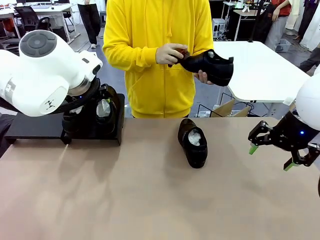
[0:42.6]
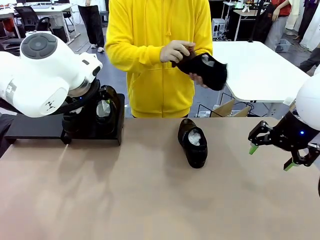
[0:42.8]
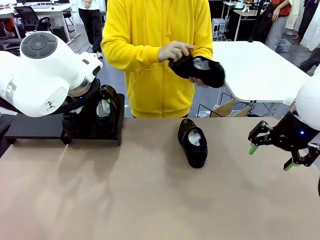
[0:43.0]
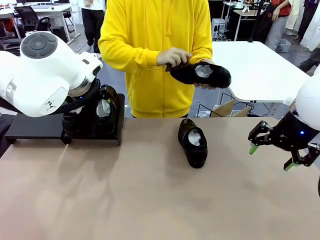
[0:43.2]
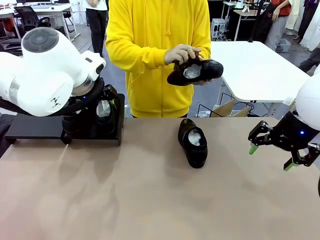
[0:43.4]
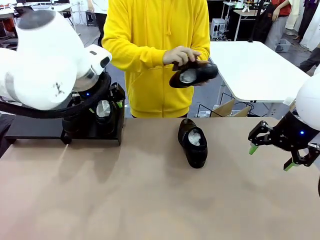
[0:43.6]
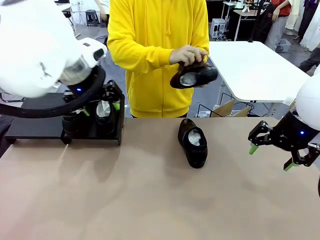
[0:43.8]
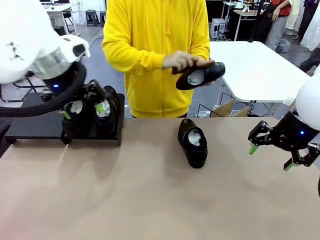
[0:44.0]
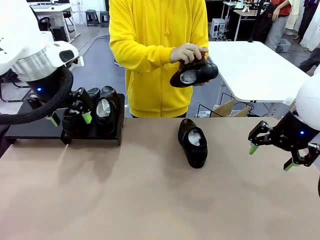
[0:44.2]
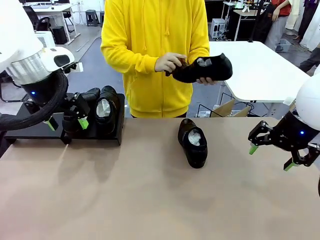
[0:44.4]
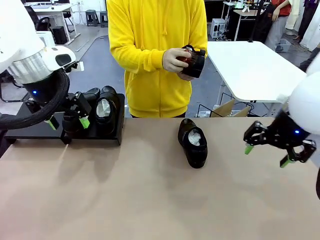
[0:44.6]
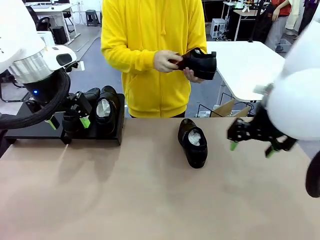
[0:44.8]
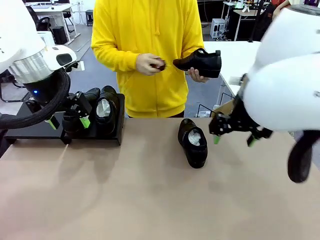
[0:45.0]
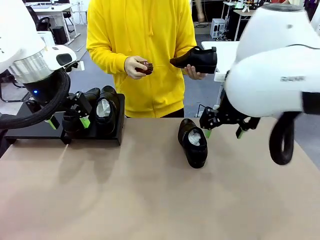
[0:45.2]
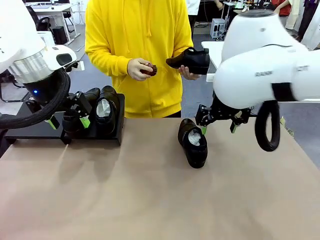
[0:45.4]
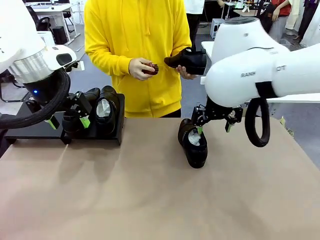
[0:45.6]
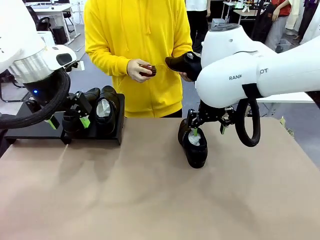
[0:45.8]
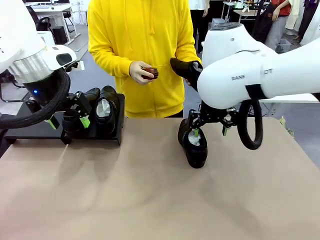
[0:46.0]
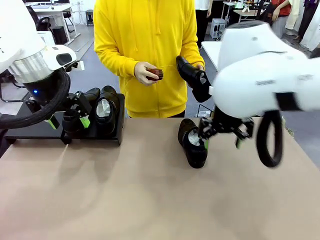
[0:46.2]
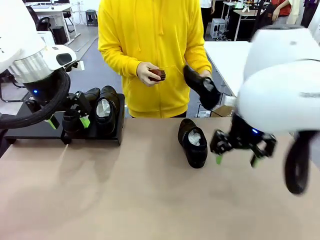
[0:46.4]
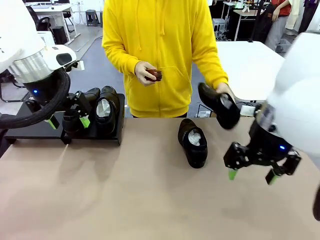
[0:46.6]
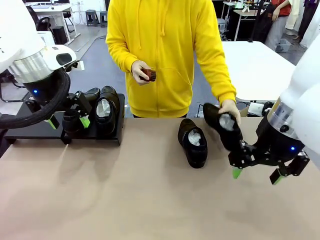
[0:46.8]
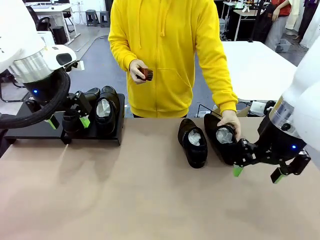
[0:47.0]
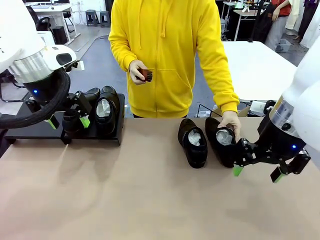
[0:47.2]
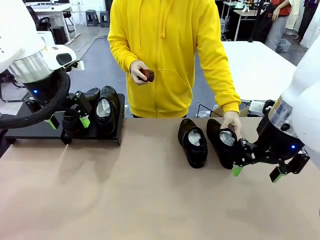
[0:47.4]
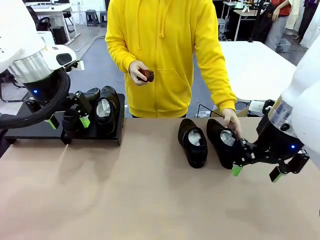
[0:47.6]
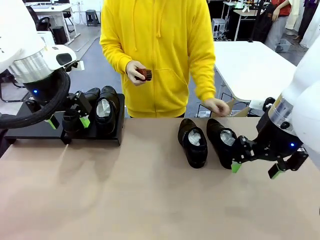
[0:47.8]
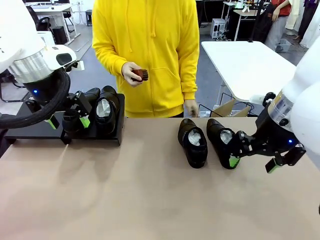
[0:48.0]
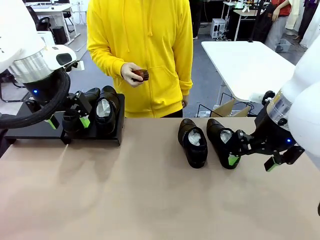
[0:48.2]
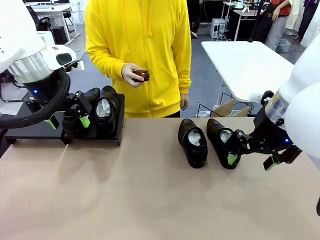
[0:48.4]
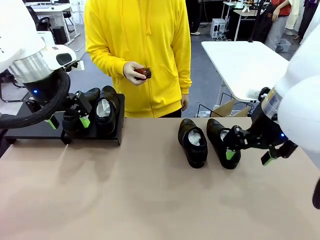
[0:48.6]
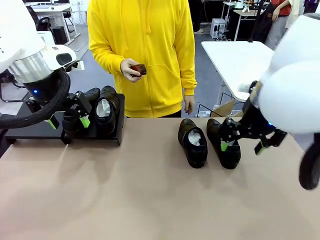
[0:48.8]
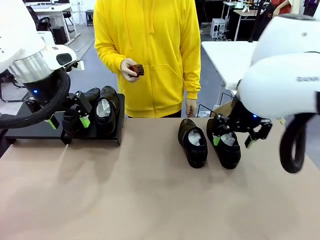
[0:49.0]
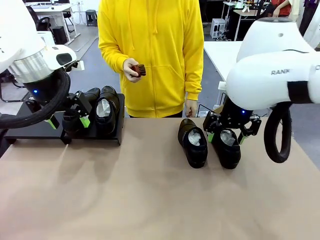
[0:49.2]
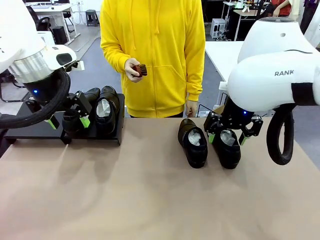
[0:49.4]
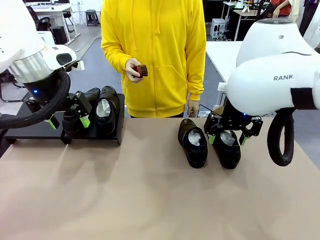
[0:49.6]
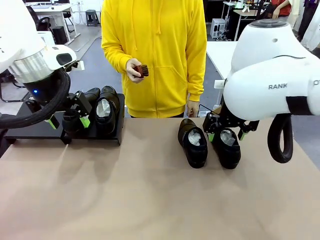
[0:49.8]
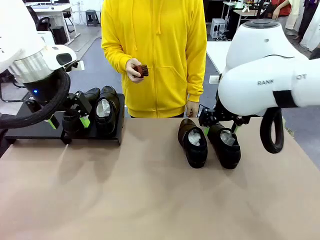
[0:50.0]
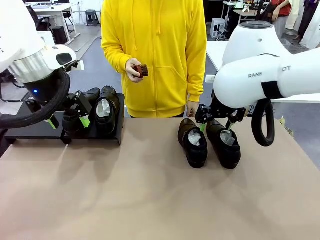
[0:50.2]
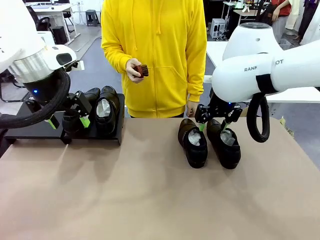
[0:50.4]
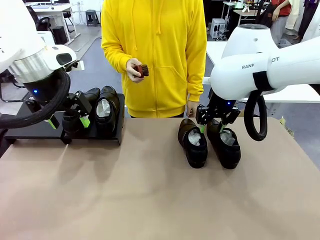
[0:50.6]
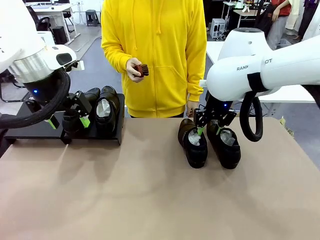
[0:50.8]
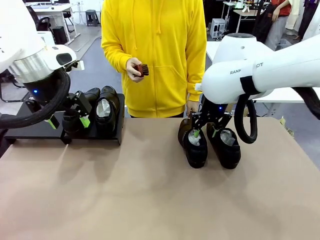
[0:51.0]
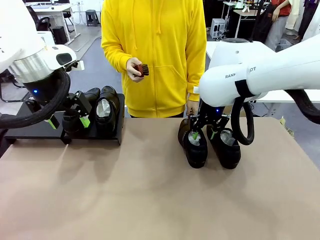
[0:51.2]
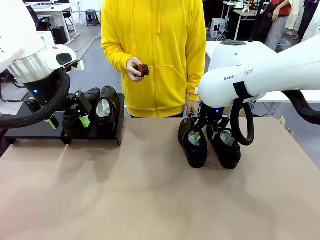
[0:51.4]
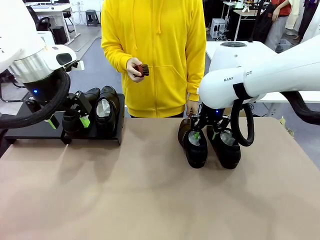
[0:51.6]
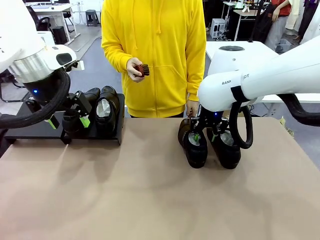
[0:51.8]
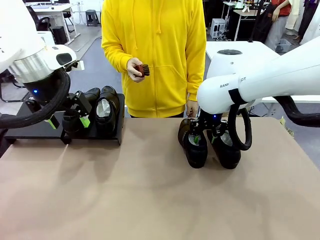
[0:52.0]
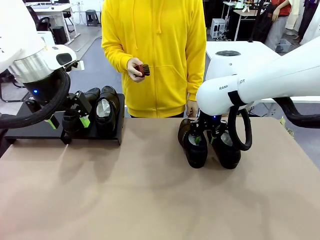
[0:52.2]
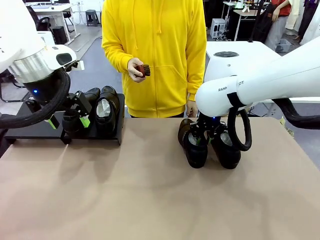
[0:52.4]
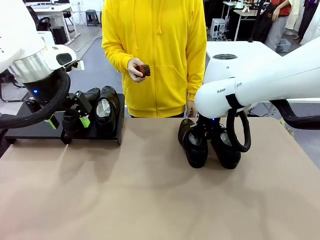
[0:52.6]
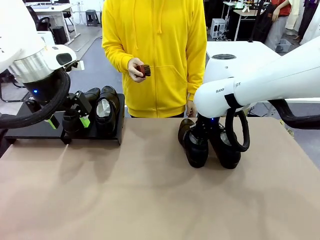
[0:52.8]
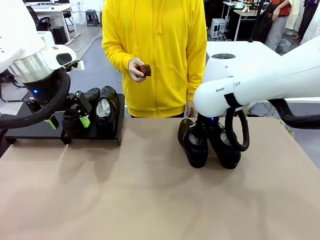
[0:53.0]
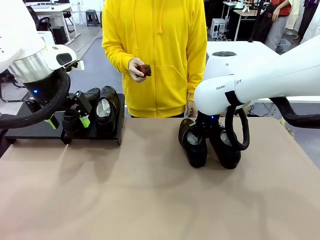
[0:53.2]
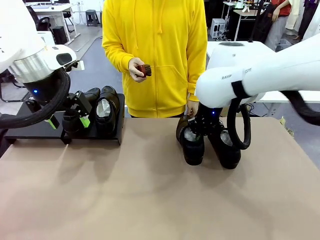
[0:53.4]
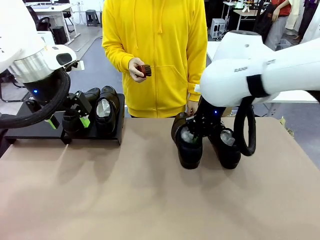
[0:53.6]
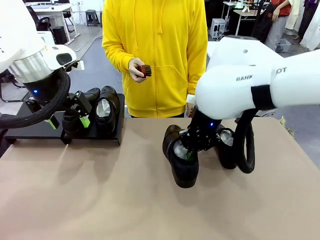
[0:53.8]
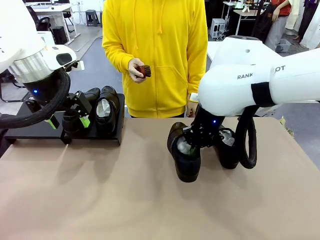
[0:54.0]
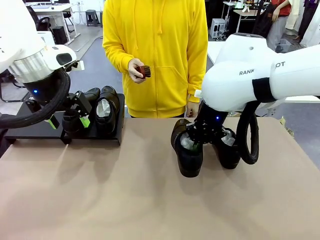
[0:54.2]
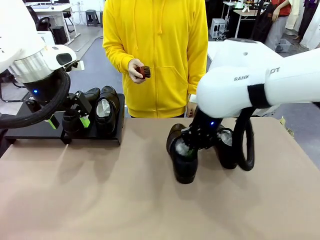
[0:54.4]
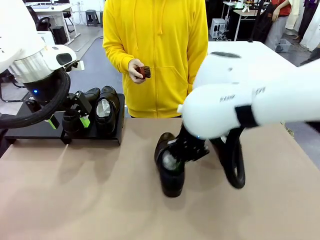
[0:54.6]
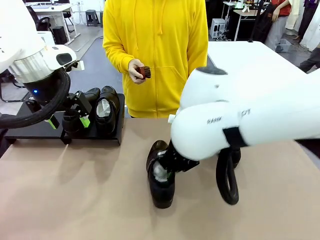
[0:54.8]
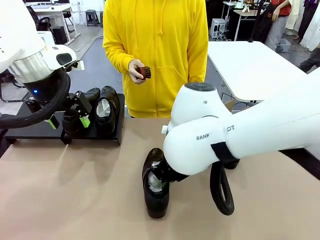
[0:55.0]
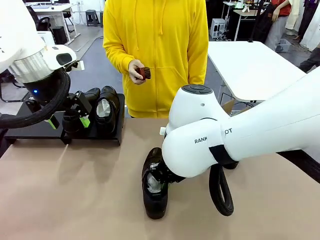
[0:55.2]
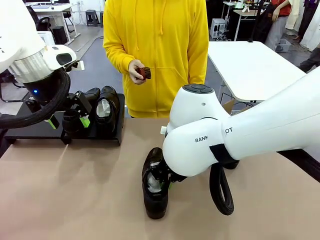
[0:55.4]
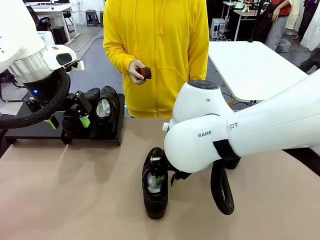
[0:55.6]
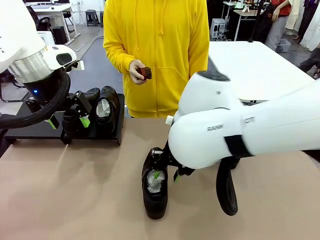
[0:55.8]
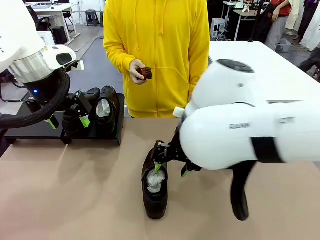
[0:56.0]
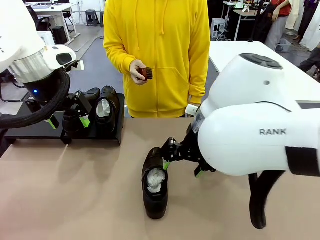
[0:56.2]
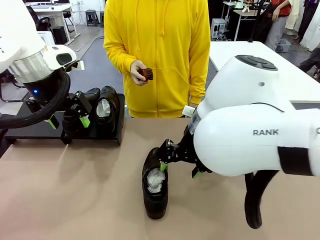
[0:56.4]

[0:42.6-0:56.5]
Task: Organize the shoes by placing them on the stand.
Robot: Pick up one Shoe and place it in the middle of the table.

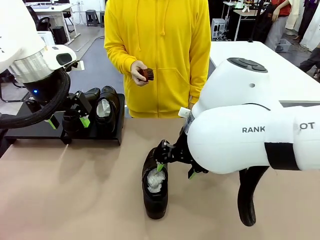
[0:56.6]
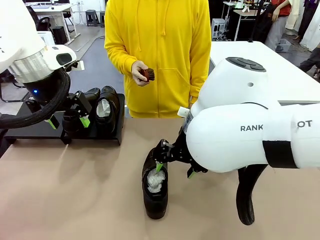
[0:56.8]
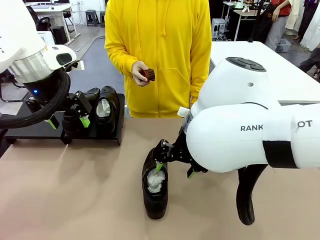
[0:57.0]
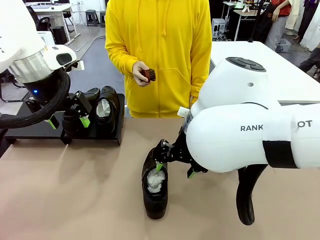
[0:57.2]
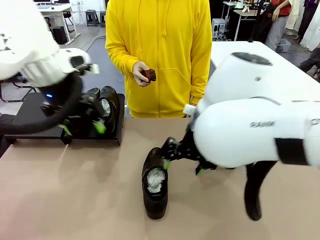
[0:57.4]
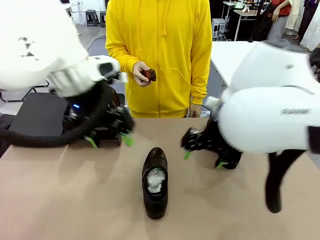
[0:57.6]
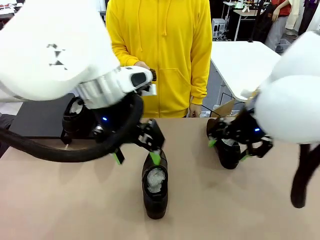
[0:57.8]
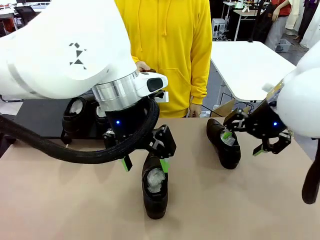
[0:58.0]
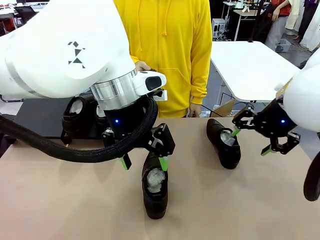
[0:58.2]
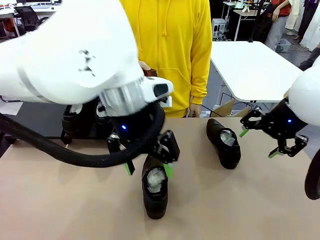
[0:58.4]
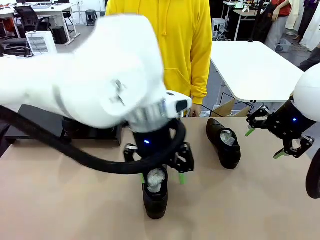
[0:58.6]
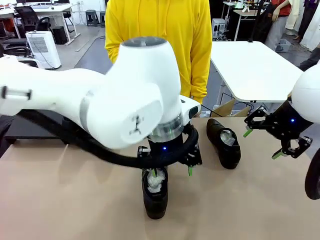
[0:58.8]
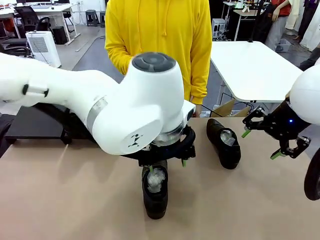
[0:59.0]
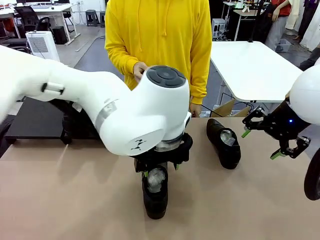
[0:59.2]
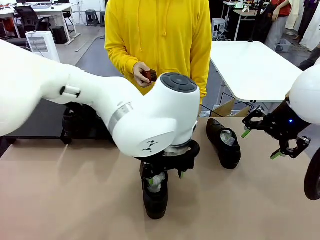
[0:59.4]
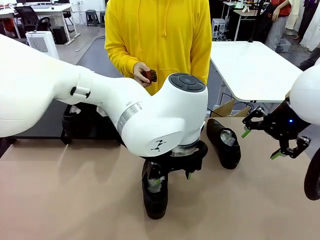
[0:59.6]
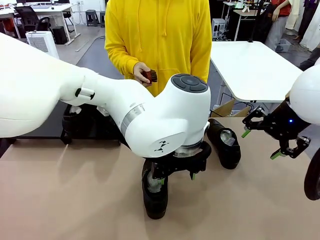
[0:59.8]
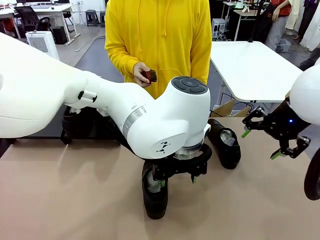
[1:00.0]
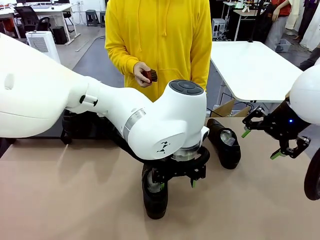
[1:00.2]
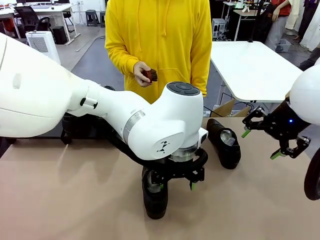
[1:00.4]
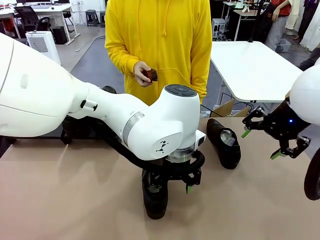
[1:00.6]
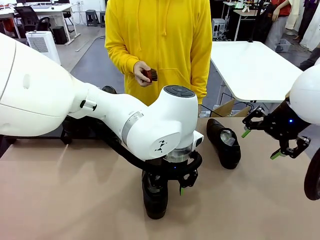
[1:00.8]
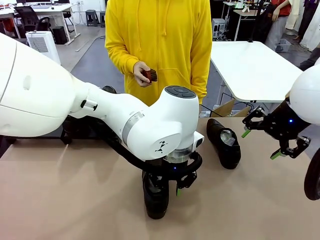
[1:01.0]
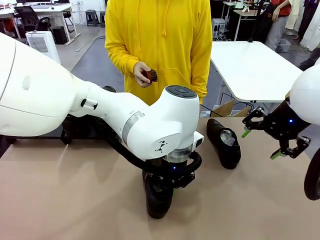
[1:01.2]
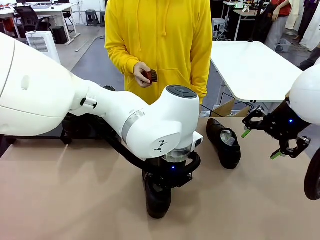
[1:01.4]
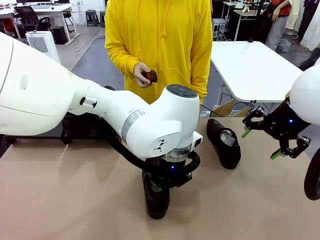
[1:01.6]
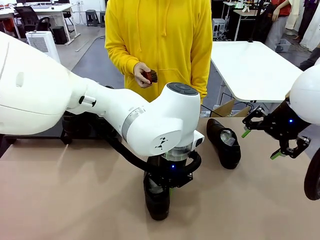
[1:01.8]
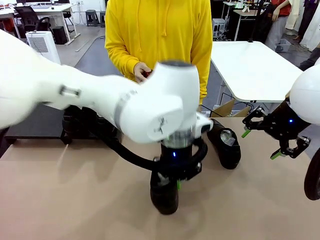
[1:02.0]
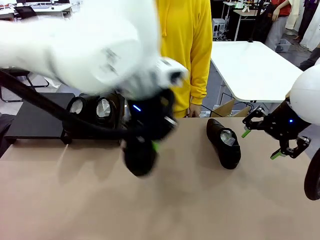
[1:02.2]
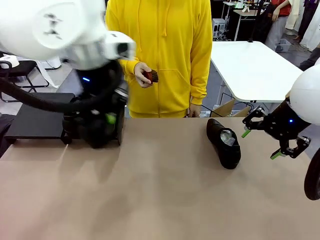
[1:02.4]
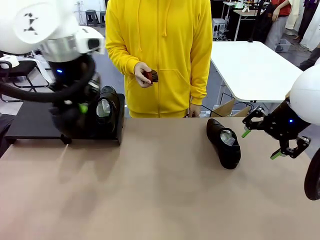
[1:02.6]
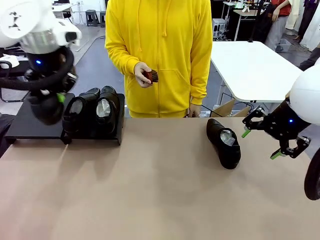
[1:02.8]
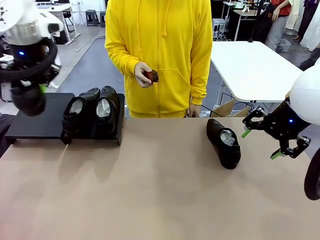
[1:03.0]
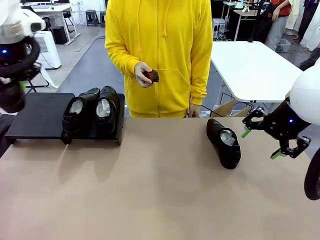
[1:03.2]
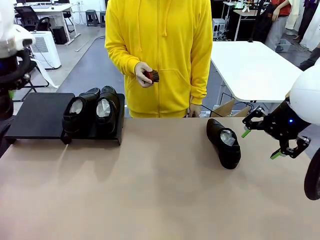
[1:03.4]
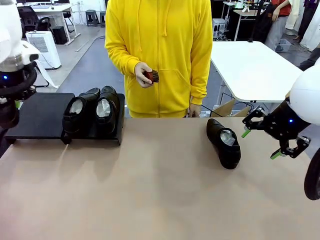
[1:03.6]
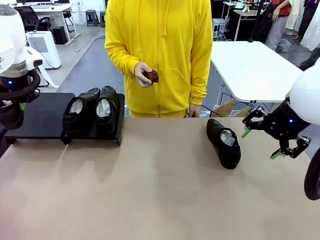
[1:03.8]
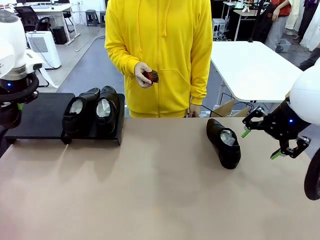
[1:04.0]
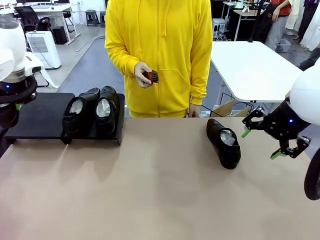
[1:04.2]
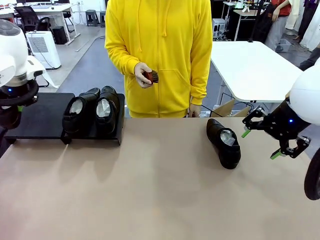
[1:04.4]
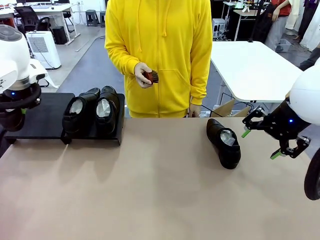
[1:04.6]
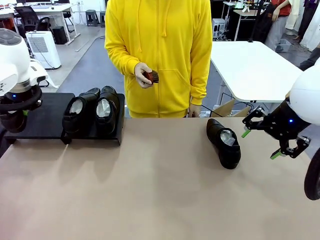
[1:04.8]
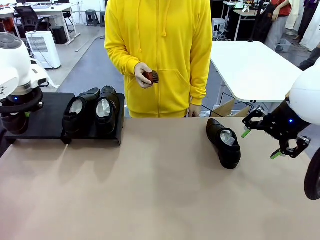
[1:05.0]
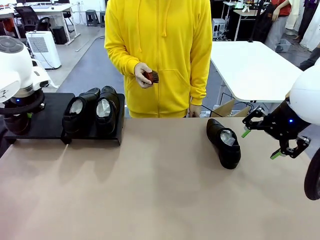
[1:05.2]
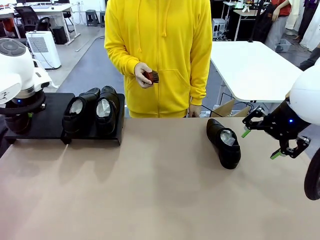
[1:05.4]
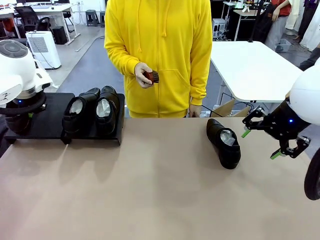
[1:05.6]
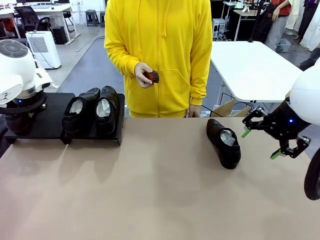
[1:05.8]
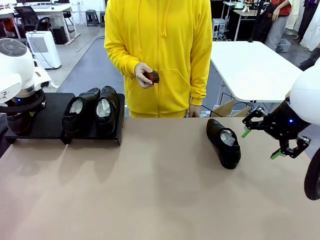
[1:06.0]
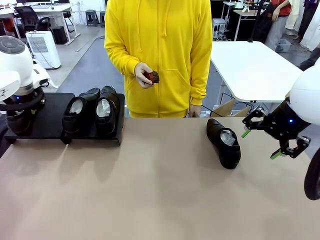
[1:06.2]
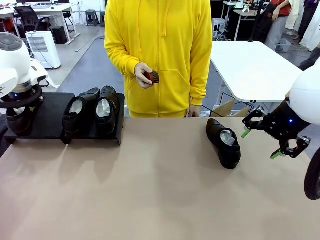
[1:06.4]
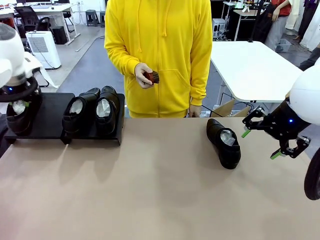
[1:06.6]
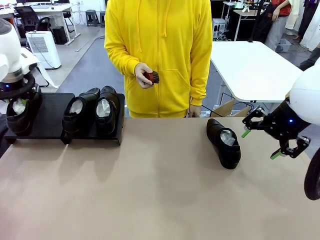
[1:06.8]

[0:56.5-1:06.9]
Robot: Place the Shoe from the middle of the table onto the Shoes Stand.
